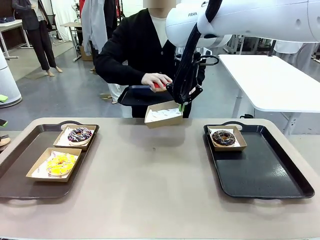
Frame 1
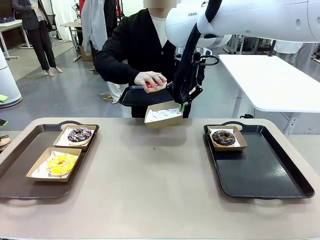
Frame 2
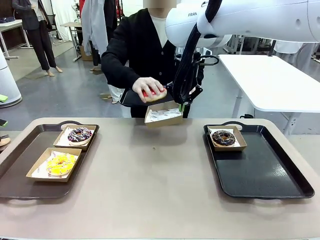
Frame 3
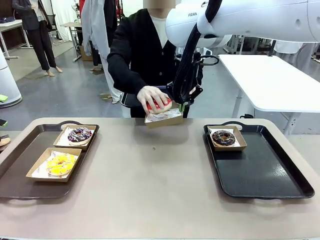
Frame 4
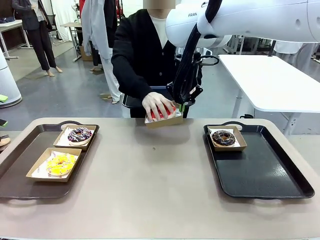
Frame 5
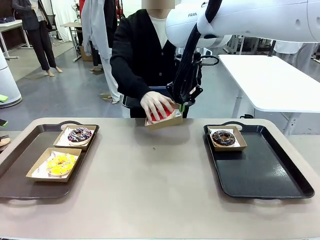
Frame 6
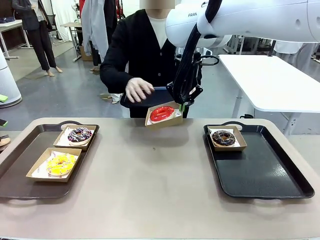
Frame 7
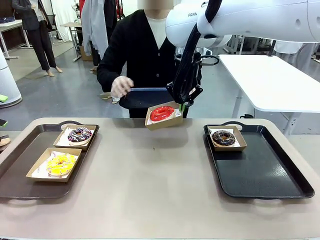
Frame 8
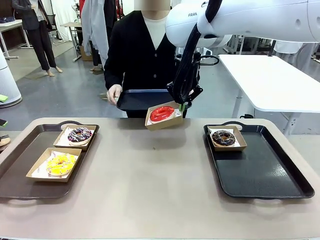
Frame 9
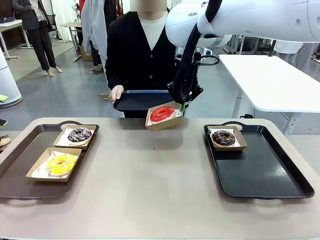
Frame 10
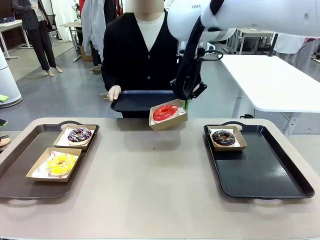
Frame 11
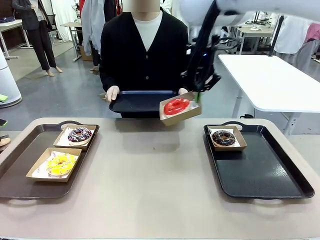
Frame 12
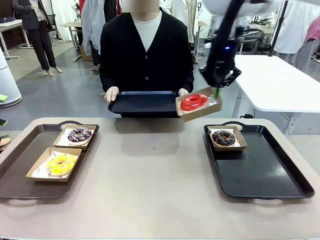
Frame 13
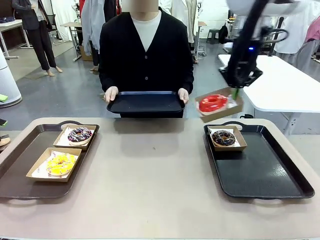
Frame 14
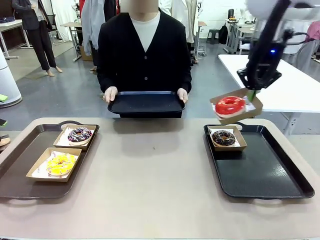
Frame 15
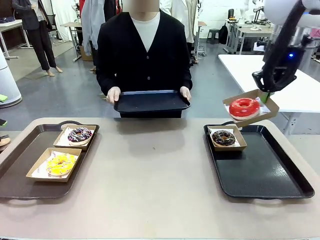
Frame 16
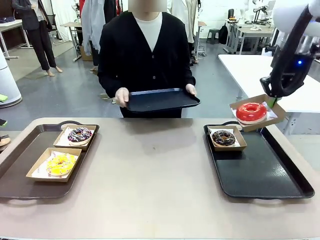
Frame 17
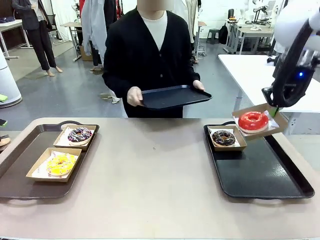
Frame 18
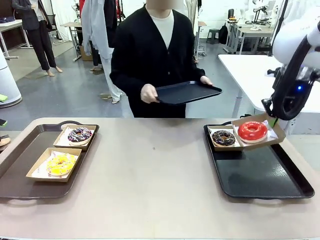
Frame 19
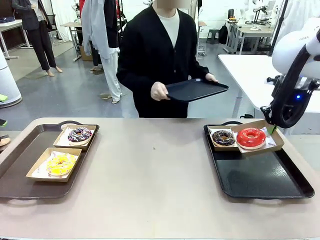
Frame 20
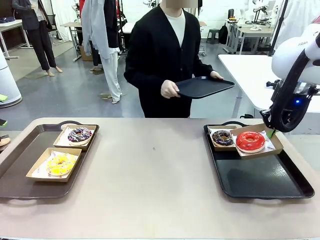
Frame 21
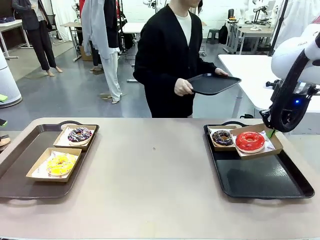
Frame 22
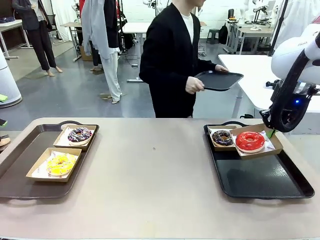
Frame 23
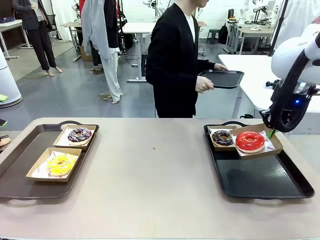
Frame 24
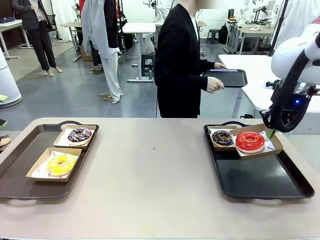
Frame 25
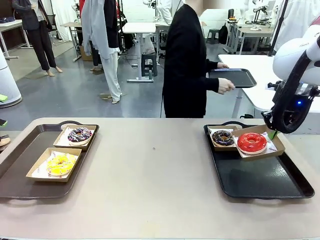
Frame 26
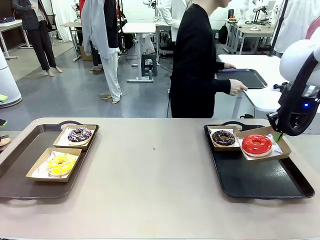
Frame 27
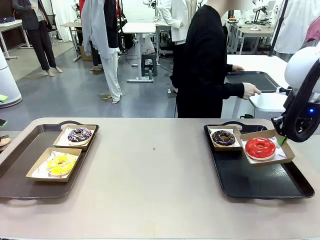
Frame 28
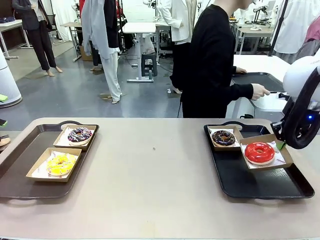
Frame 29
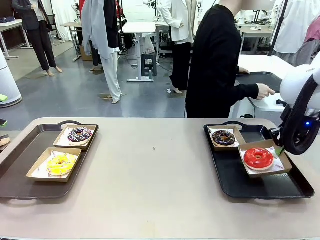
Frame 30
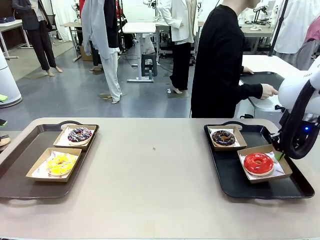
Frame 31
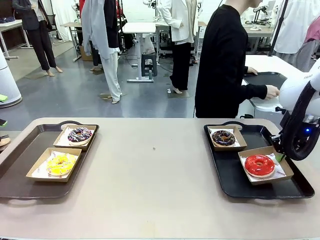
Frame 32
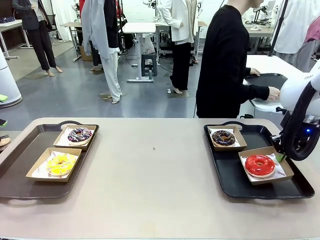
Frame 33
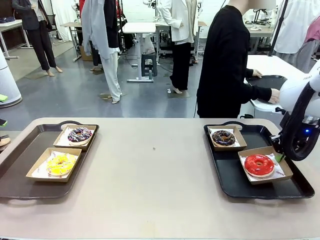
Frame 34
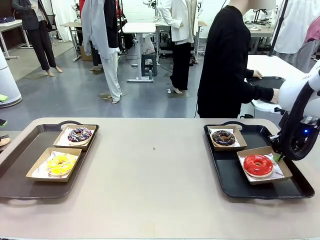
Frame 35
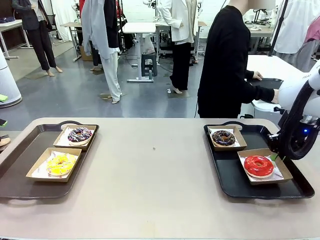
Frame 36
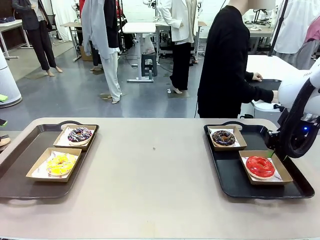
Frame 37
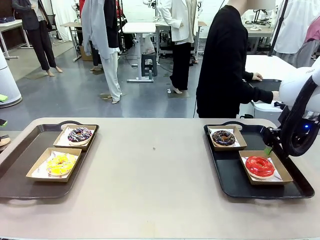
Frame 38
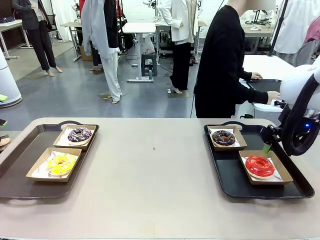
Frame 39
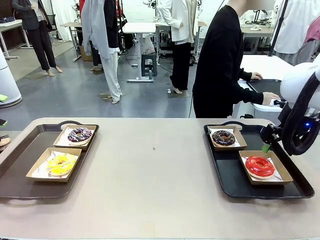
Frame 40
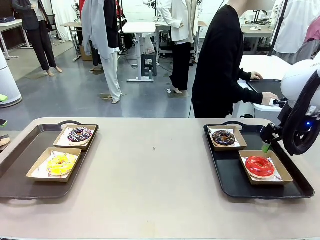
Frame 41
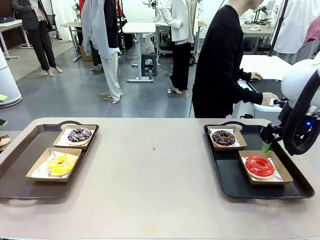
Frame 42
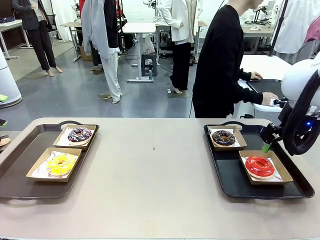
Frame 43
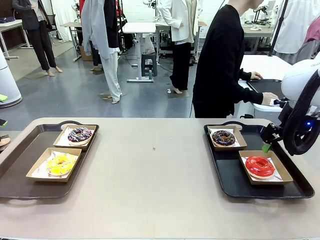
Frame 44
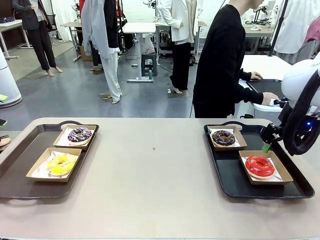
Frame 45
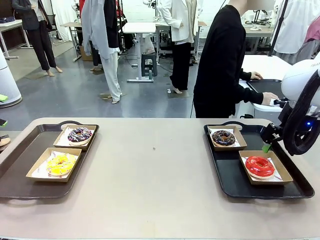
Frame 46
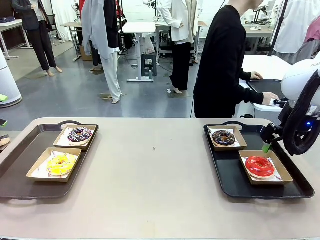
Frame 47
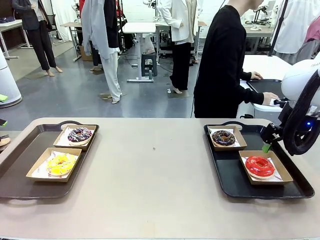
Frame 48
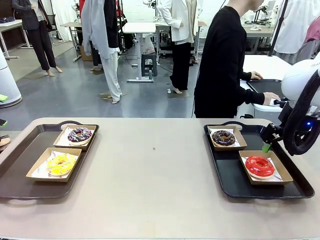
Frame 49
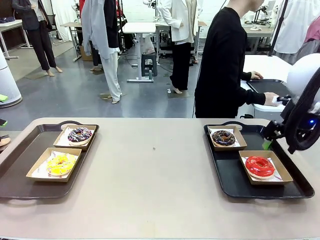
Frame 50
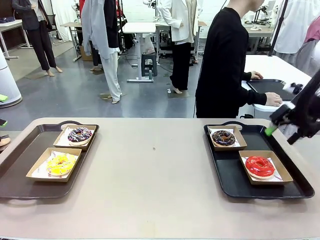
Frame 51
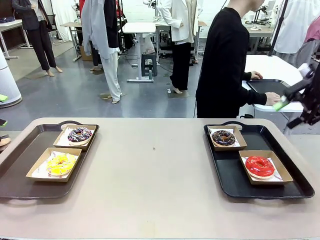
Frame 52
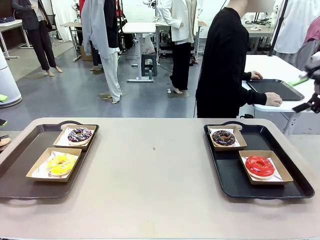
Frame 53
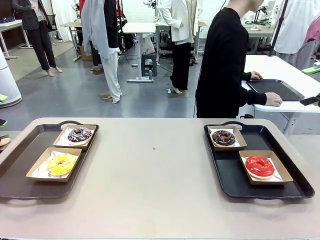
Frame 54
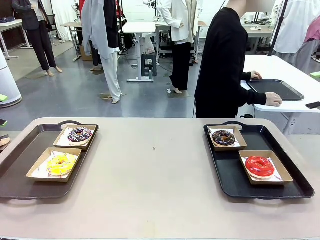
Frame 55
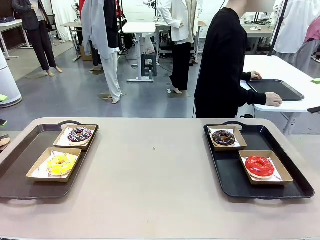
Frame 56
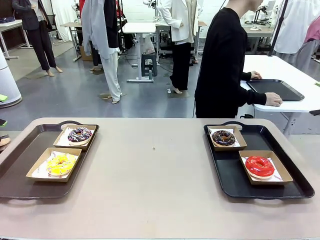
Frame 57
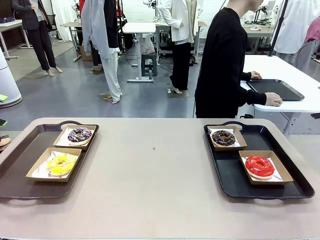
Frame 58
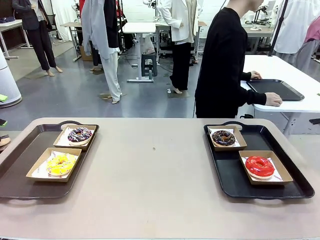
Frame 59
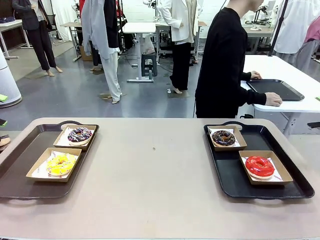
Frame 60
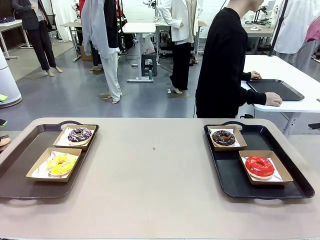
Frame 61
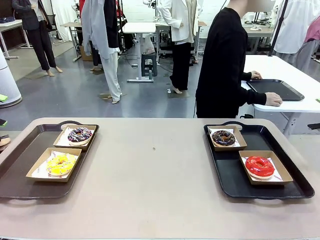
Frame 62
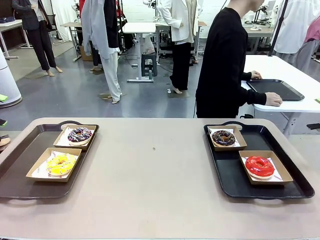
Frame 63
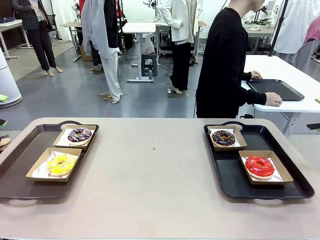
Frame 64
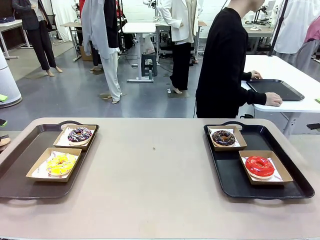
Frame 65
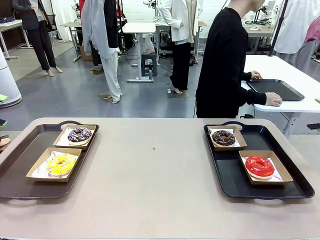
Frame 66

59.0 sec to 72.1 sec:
Task: Individually package the donuts and arrange them on the tray.
Robot: Place the picked Paper togo box on the Handle tray.
Person: Place the tray down in the middle of the human table.

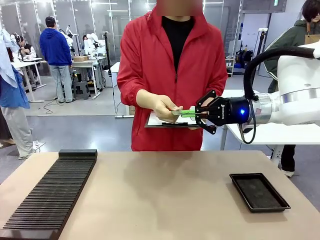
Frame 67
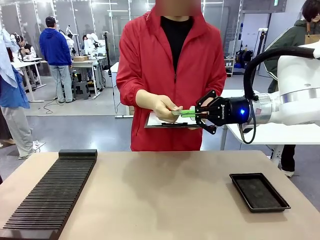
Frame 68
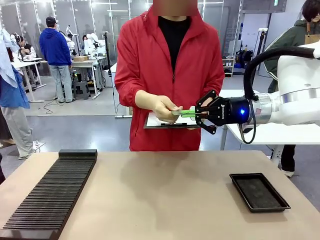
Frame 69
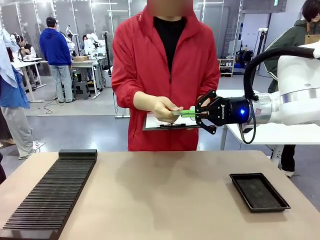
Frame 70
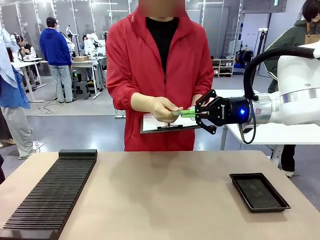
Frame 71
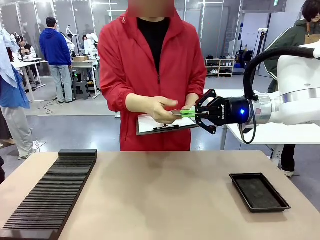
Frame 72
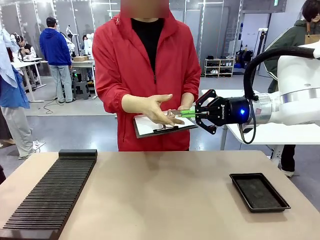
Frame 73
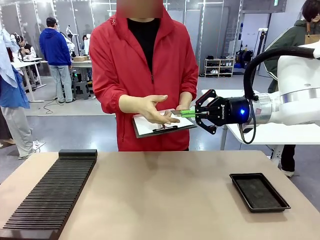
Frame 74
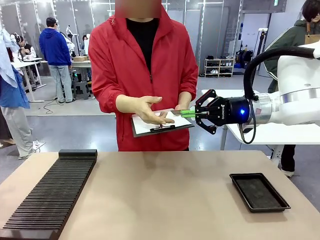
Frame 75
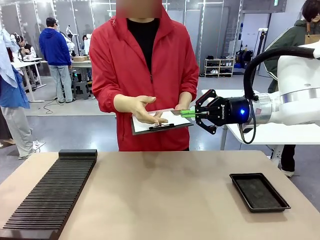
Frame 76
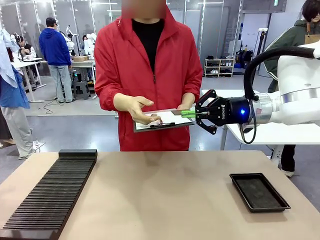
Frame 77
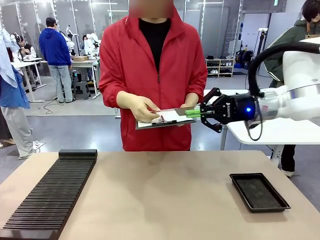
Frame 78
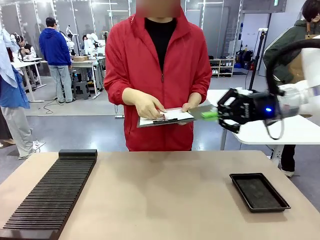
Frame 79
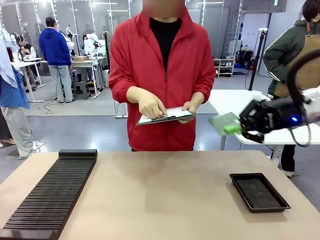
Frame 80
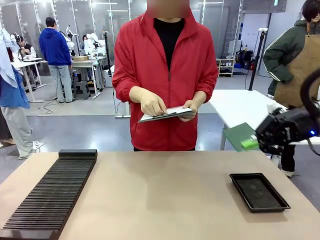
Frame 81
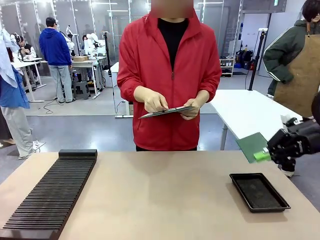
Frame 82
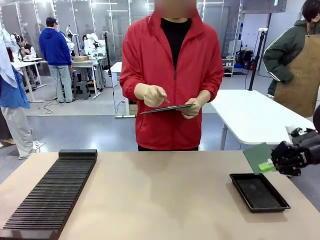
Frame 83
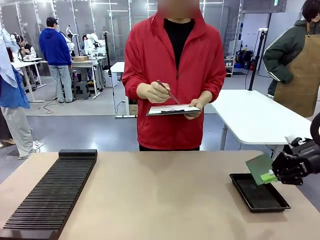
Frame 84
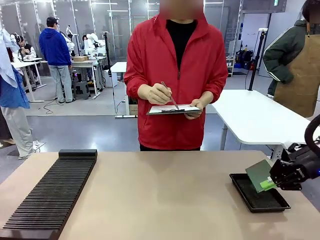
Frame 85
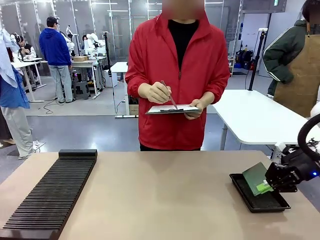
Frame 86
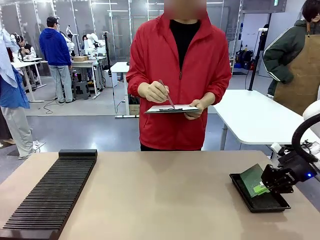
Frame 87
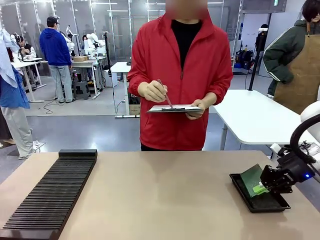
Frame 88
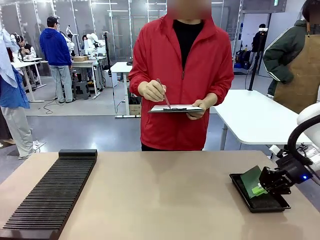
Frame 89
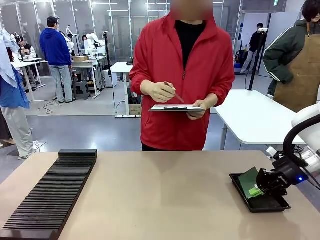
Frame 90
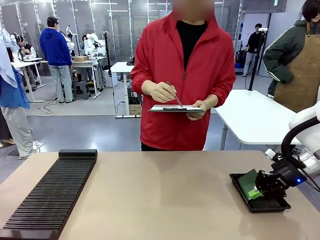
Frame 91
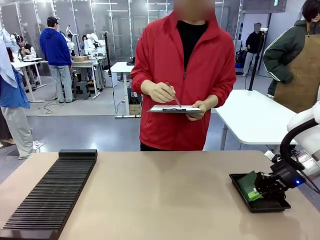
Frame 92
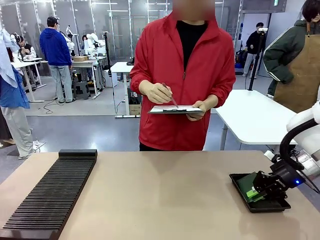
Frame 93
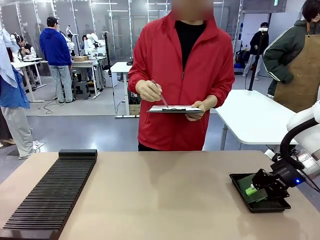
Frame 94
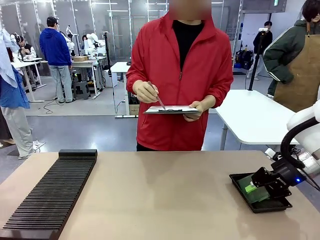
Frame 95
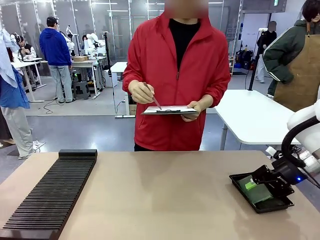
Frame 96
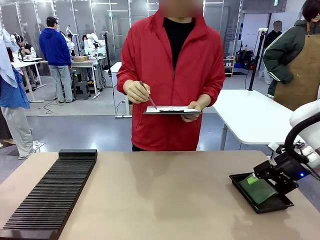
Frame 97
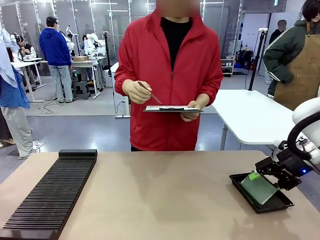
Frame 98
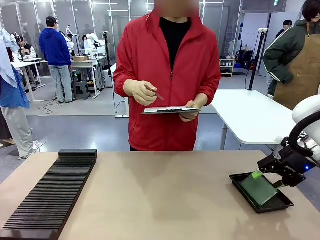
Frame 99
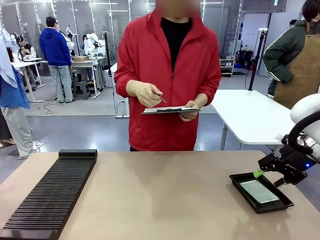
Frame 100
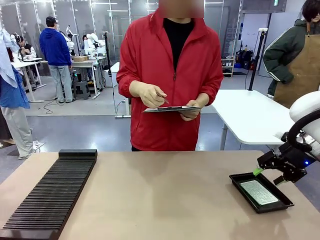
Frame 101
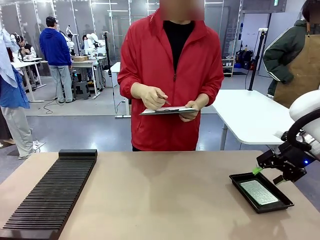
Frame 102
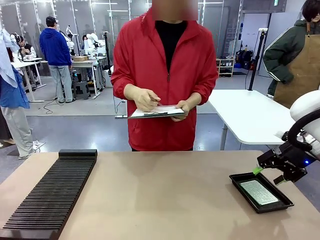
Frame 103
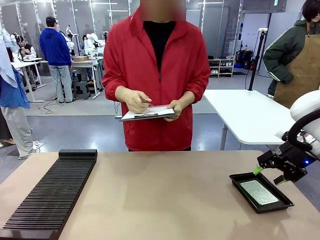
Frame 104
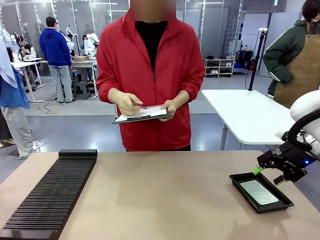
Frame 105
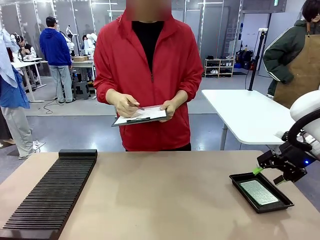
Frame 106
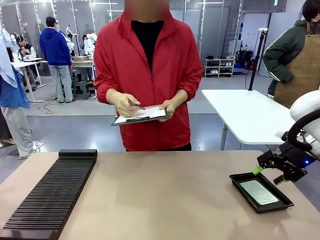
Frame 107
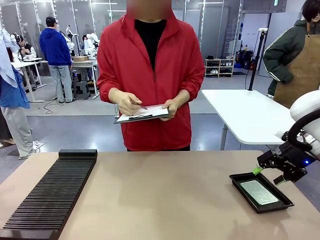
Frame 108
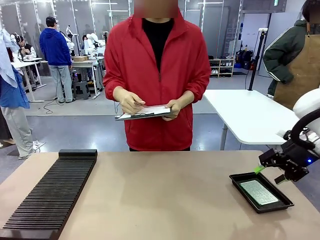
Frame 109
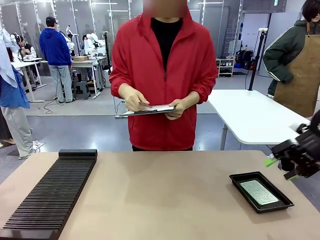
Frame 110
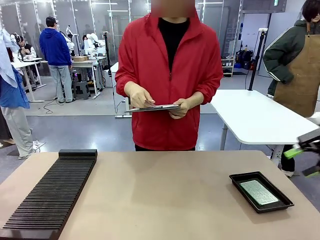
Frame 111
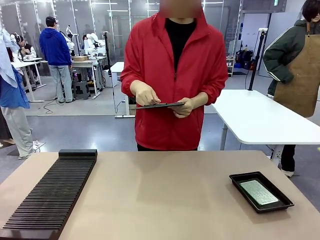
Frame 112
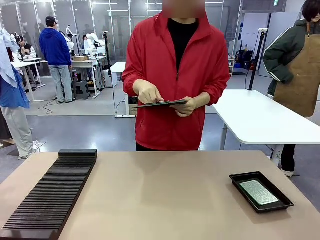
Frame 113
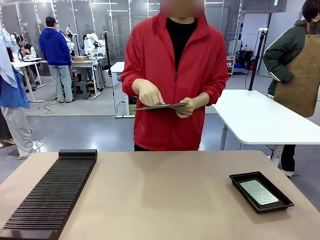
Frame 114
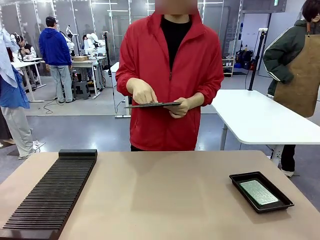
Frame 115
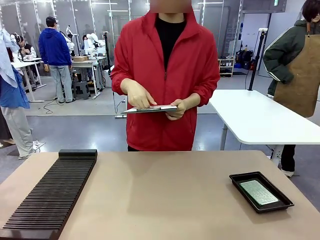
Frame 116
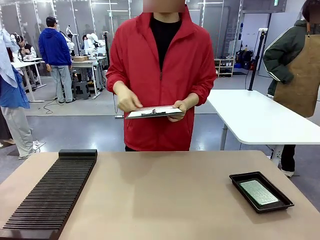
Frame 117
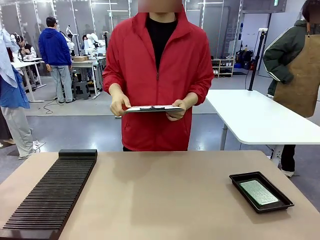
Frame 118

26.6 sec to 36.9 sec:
Task: Inspect the PCB.
Robot: Place the Blank PCB in the ESD tray.
Person: Record the PCB status on the paper.
